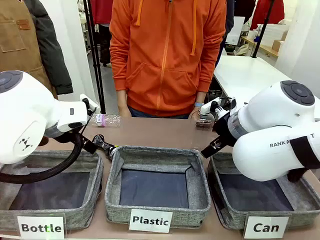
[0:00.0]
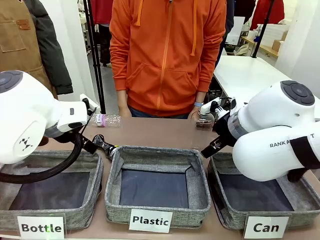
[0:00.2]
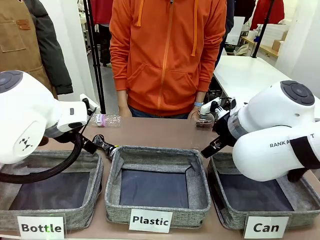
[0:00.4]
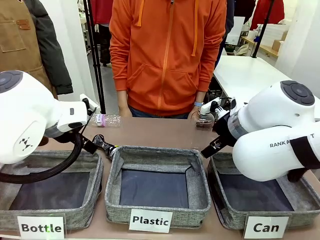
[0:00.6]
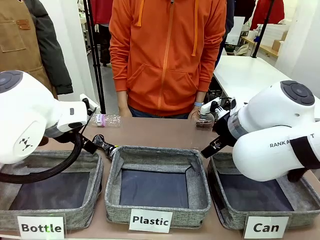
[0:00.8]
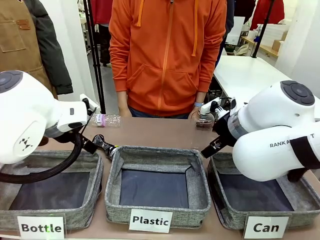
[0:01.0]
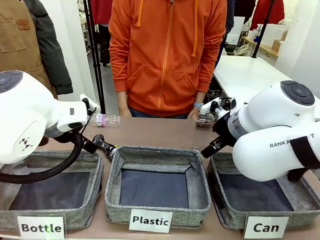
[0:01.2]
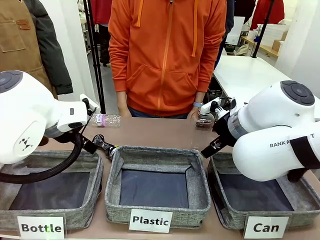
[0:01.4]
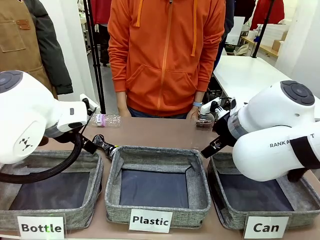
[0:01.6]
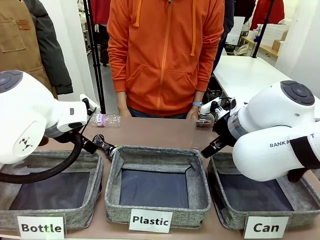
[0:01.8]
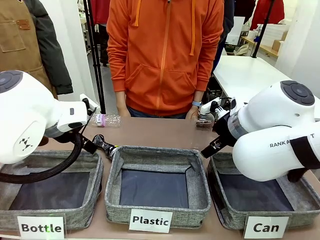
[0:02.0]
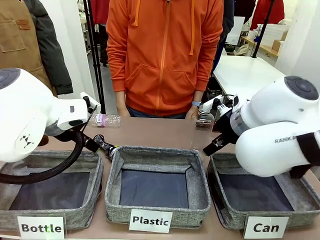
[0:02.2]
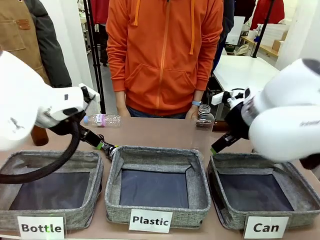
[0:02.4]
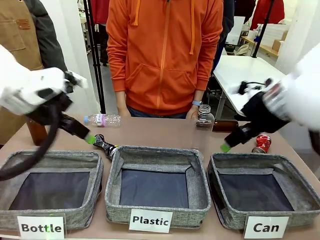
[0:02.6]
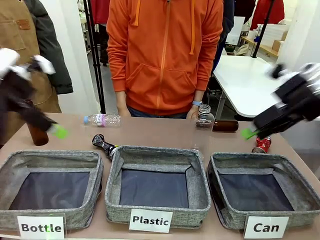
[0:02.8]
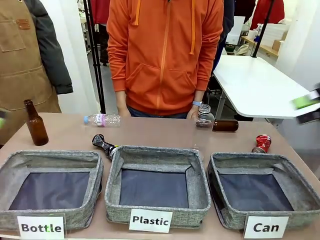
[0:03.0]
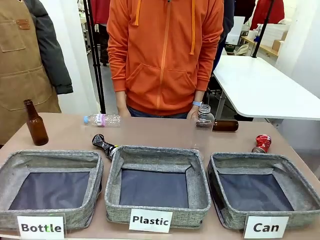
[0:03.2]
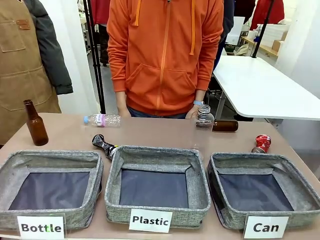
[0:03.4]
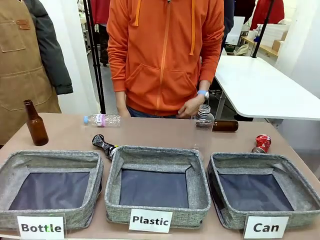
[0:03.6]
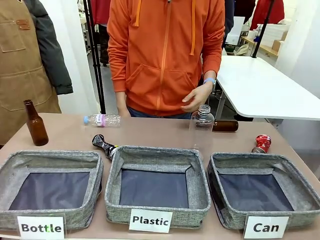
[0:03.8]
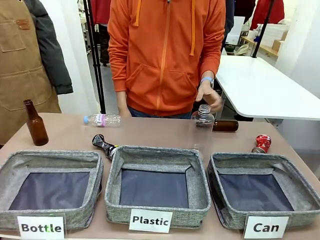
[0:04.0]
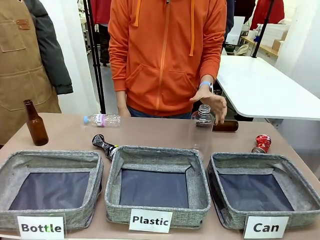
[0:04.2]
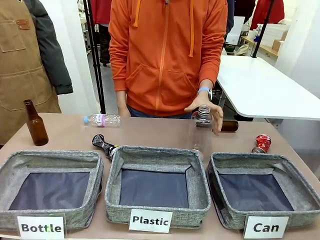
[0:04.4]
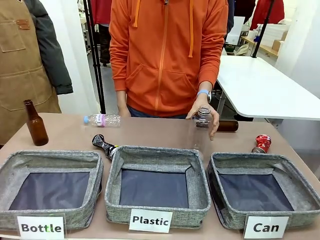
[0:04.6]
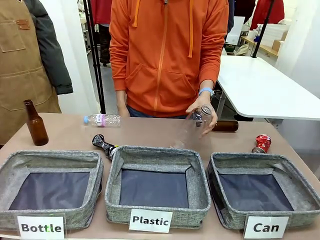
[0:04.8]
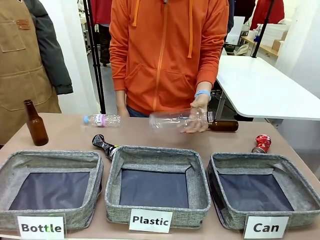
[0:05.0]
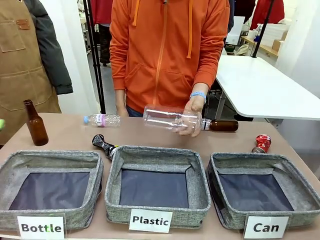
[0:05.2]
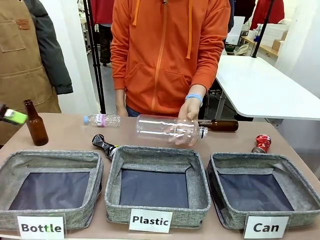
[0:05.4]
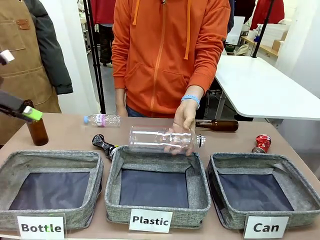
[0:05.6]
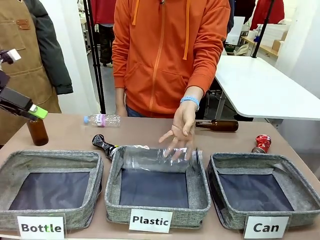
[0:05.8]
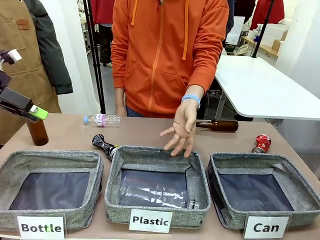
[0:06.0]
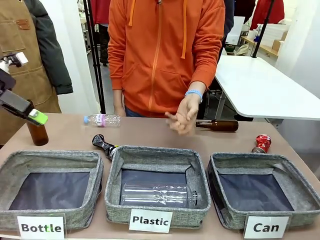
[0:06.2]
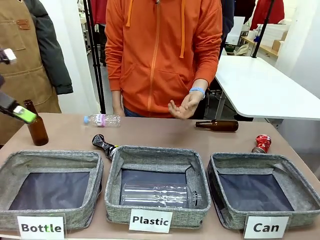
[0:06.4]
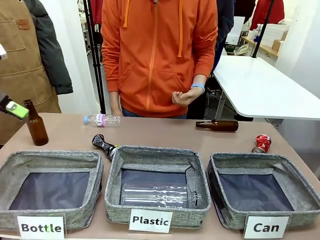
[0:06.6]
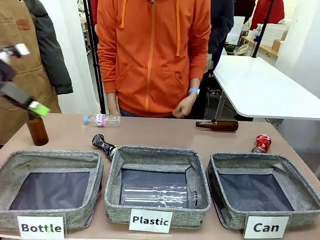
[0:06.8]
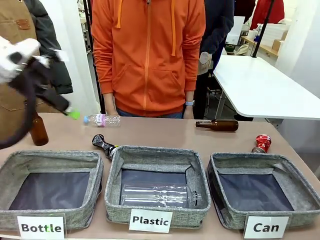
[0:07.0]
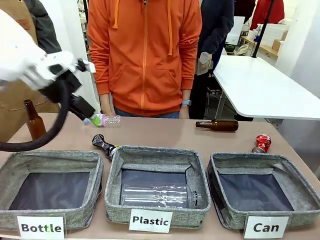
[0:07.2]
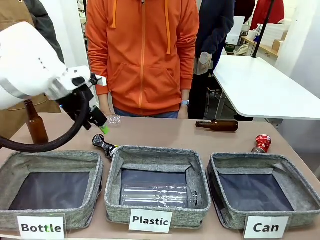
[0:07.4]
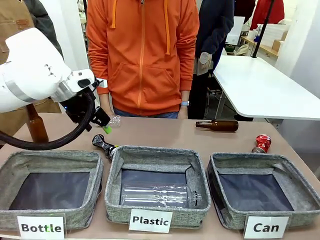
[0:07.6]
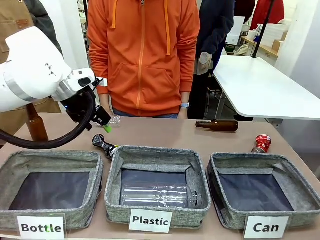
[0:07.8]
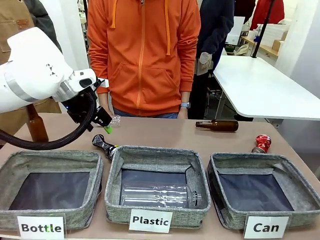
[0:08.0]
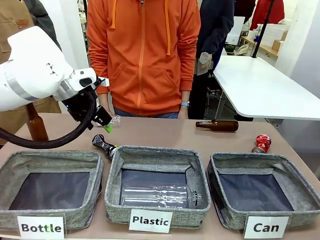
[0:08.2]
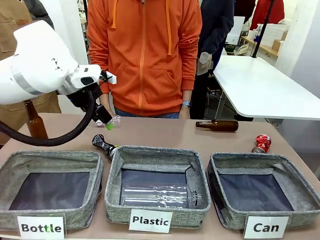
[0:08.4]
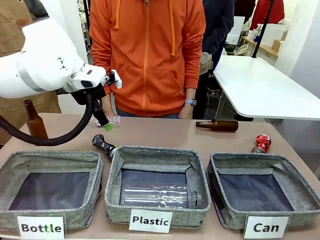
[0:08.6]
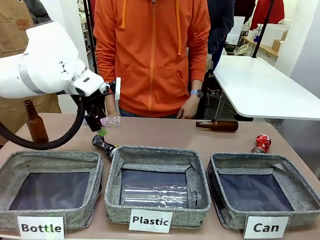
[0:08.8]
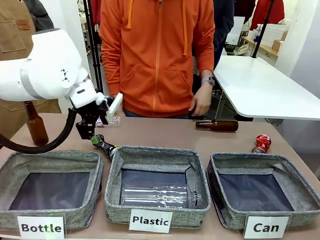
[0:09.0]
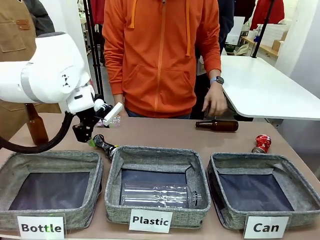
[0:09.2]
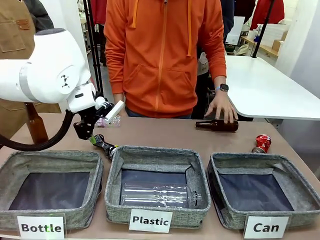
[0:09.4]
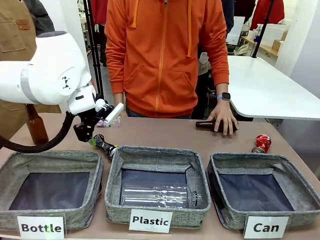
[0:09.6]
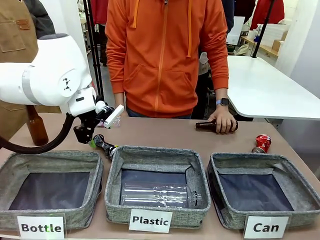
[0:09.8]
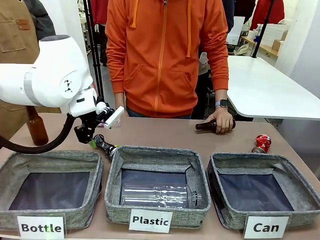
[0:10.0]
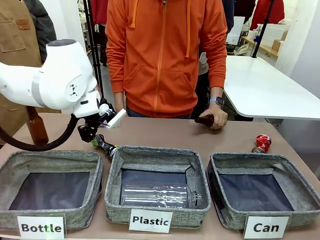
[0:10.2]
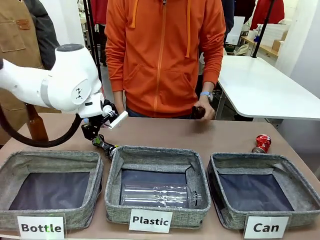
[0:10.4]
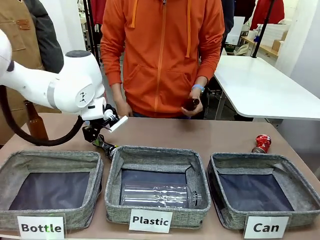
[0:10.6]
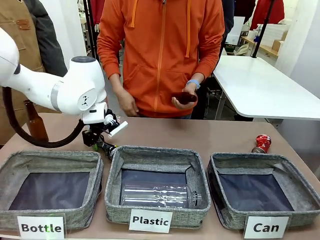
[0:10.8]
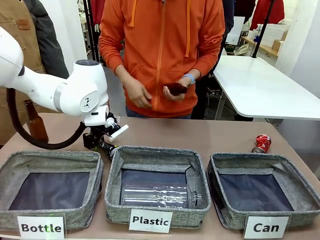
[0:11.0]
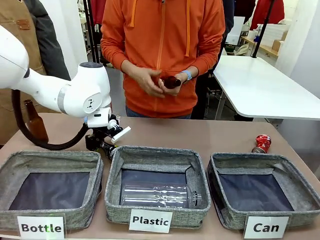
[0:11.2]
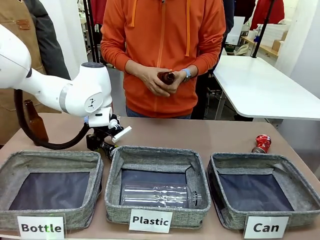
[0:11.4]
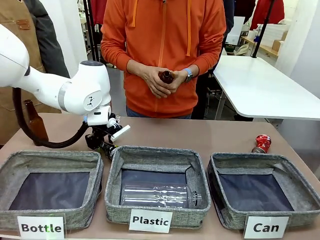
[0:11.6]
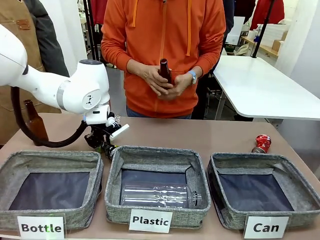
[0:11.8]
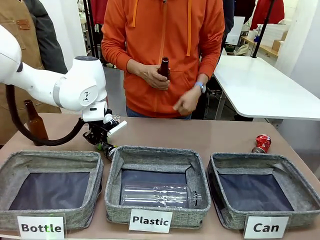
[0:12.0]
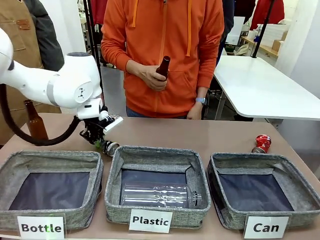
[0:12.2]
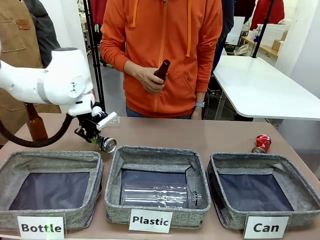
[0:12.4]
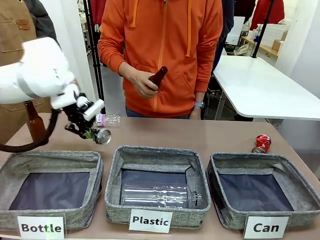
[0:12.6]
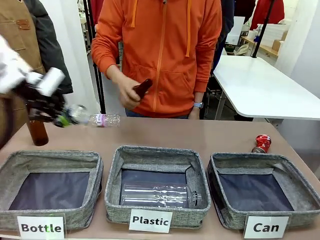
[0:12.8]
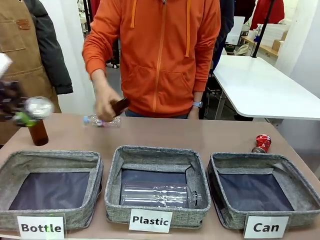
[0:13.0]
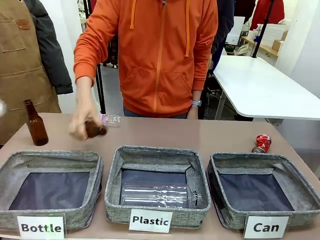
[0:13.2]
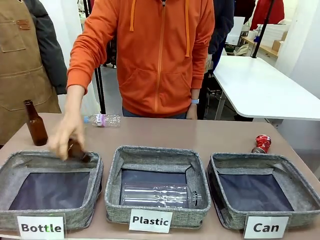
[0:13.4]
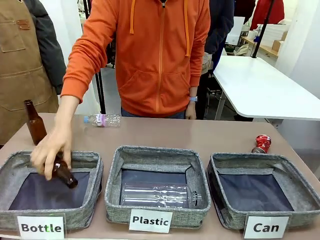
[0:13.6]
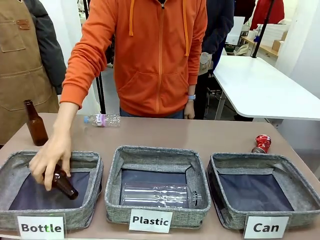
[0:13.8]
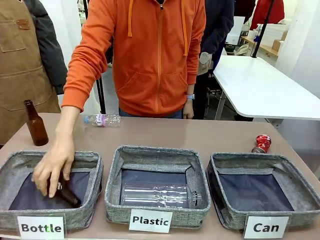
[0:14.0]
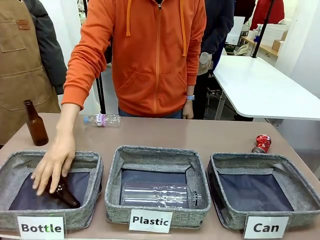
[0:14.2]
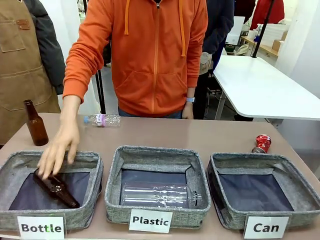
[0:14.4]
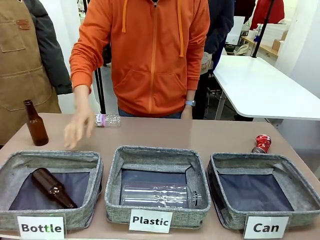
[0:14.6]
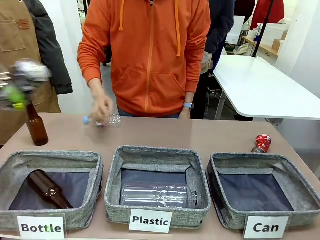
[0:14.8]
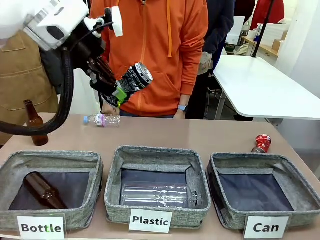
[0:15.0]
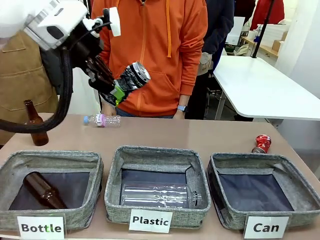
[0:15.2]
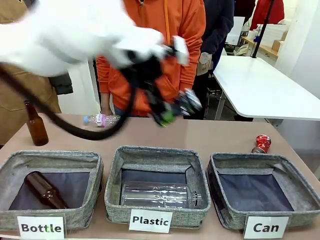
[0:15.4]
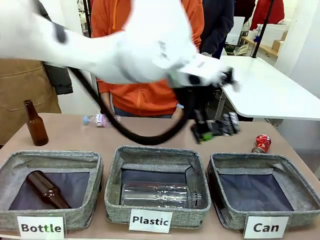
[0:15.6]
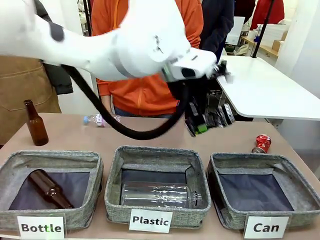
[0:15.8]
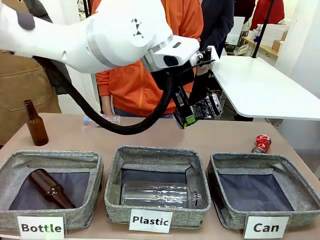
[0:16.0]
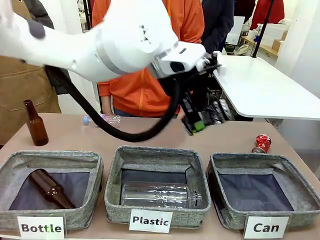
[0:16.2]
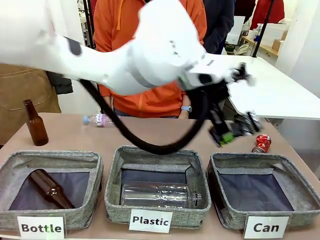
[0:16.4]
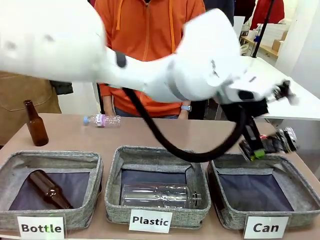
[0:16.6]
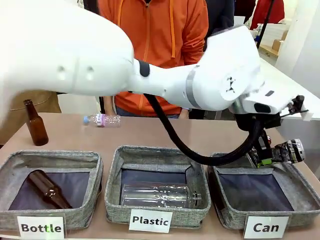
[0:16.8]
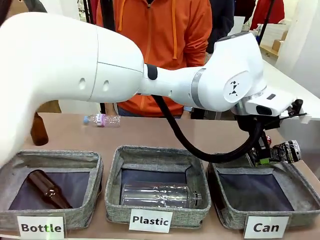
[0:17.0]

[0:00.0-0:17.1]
Task: Sort the can waste into the basket.
Robot: Pick up the can waste from the table and place it in the right Fabric basket.
